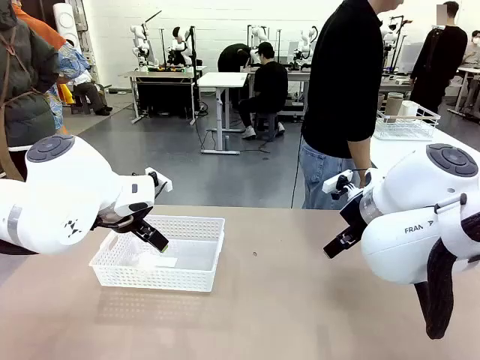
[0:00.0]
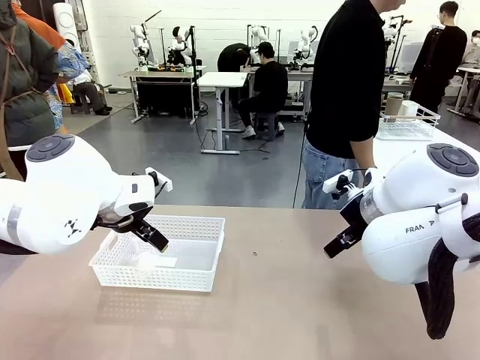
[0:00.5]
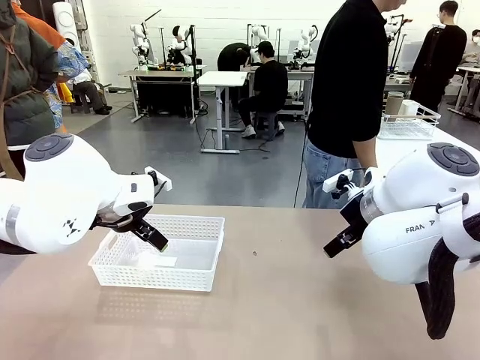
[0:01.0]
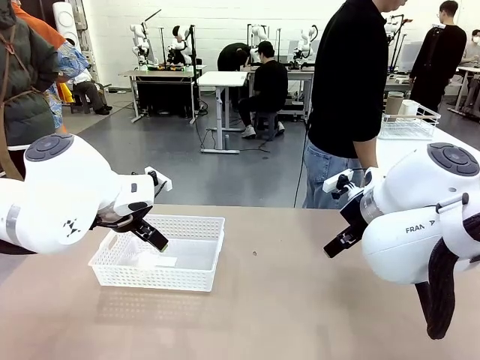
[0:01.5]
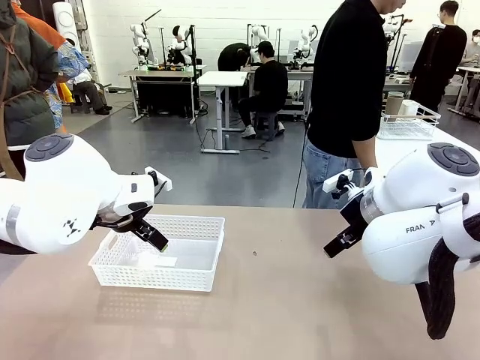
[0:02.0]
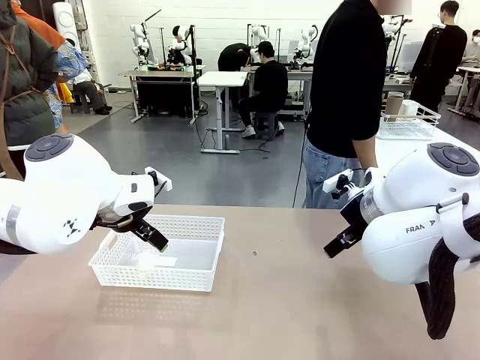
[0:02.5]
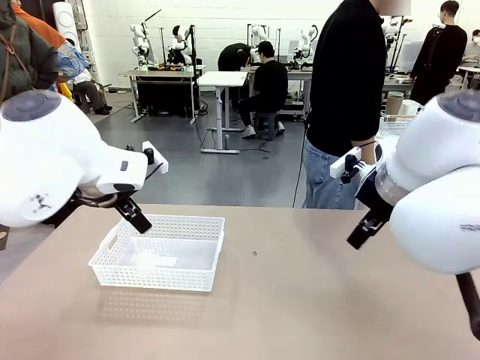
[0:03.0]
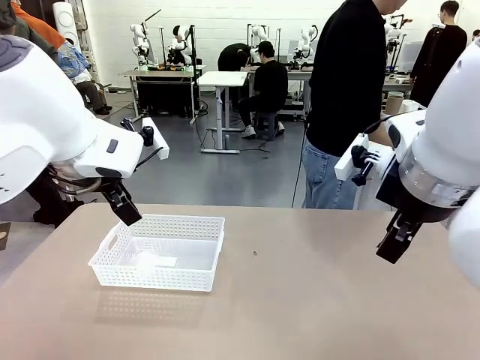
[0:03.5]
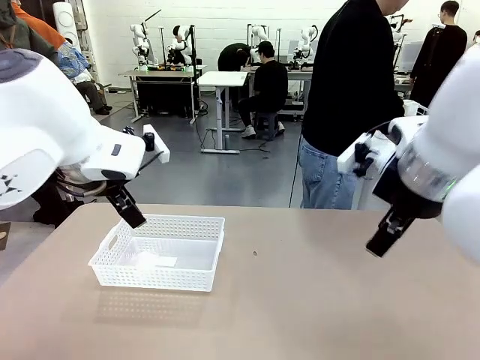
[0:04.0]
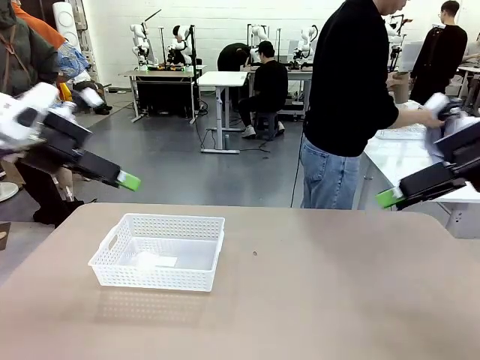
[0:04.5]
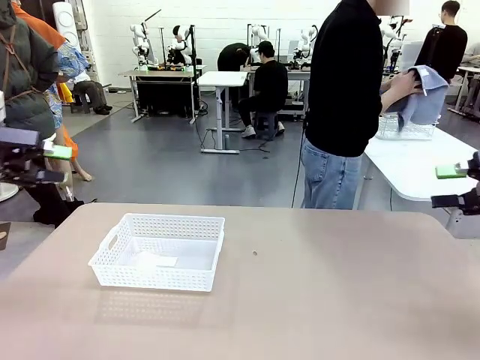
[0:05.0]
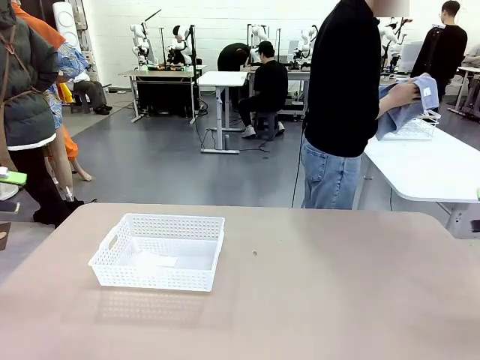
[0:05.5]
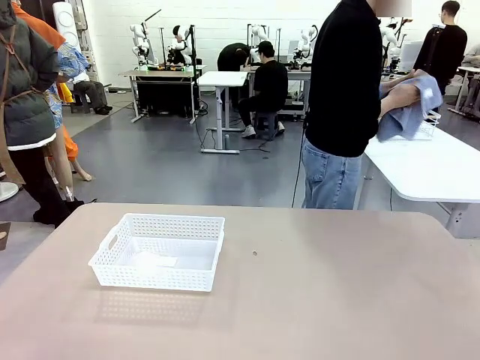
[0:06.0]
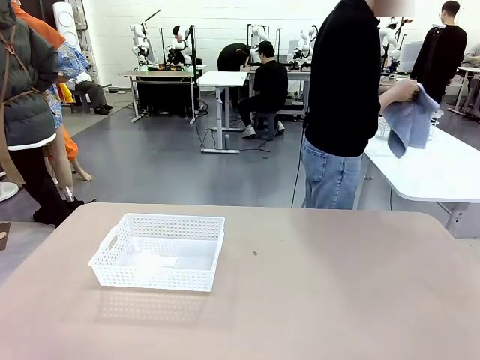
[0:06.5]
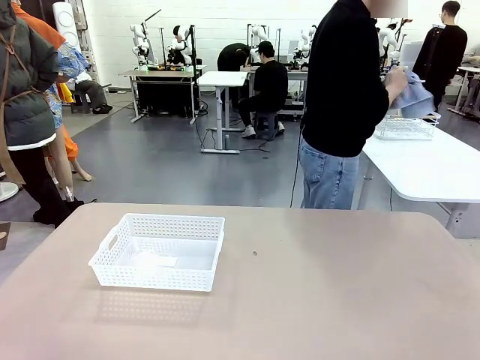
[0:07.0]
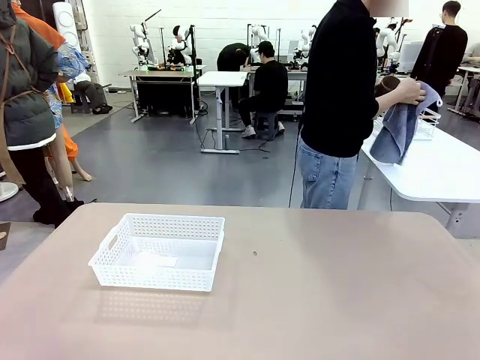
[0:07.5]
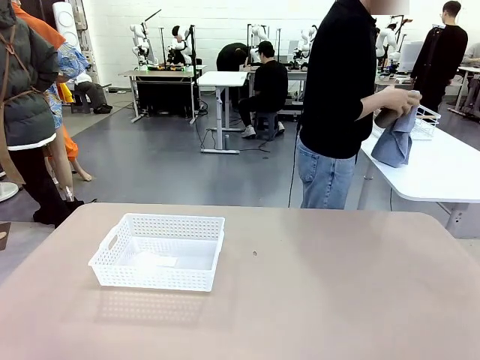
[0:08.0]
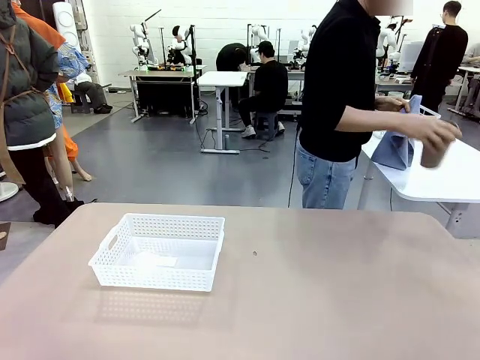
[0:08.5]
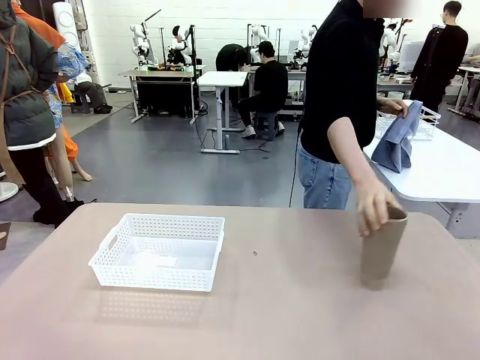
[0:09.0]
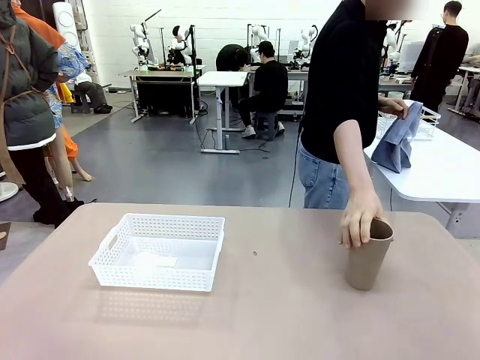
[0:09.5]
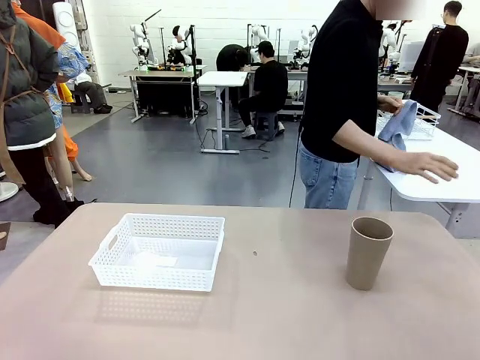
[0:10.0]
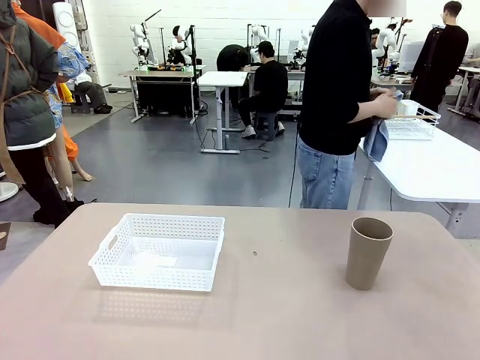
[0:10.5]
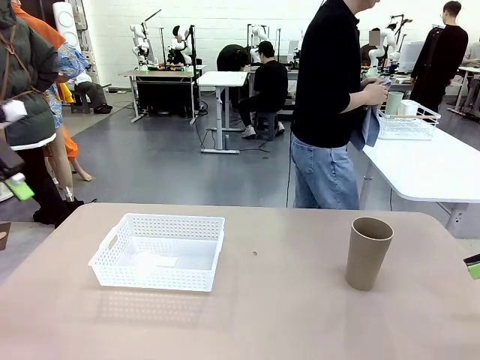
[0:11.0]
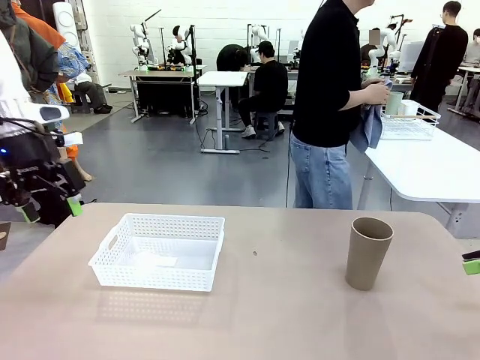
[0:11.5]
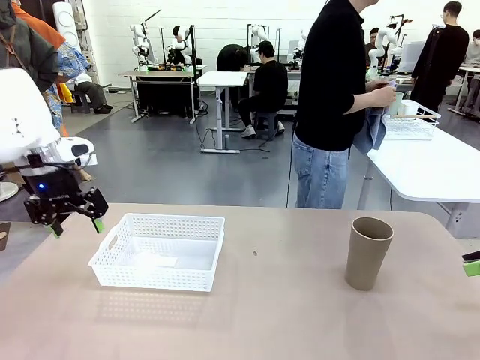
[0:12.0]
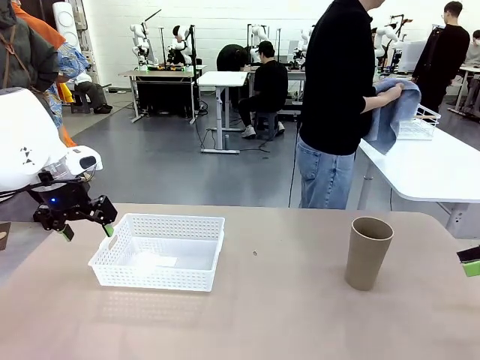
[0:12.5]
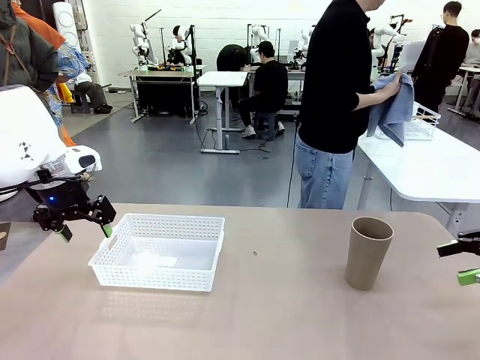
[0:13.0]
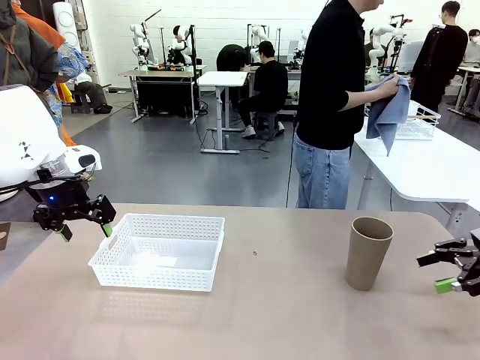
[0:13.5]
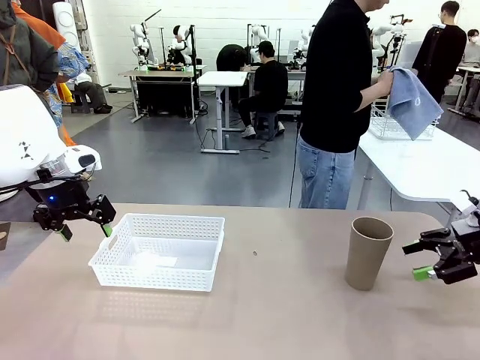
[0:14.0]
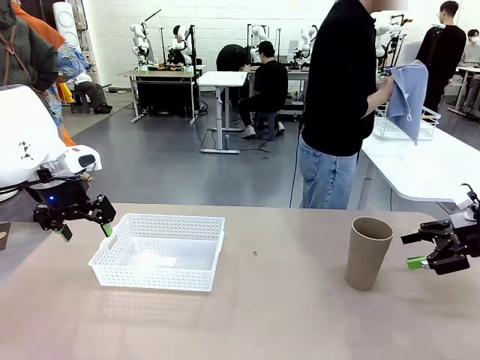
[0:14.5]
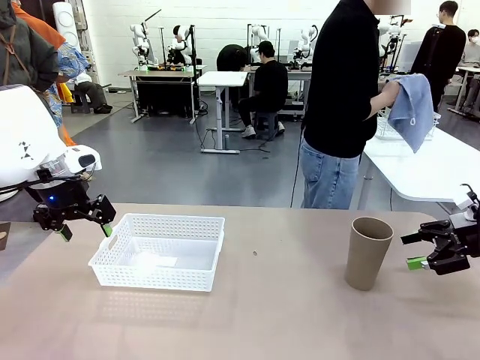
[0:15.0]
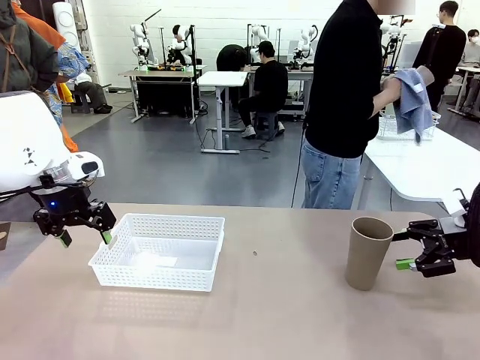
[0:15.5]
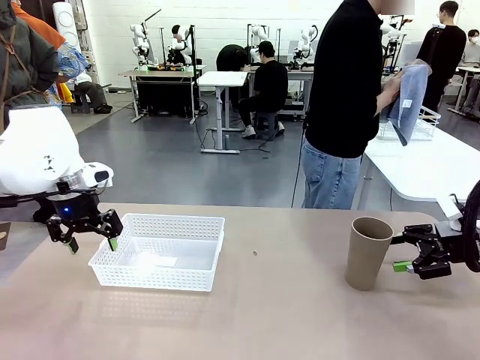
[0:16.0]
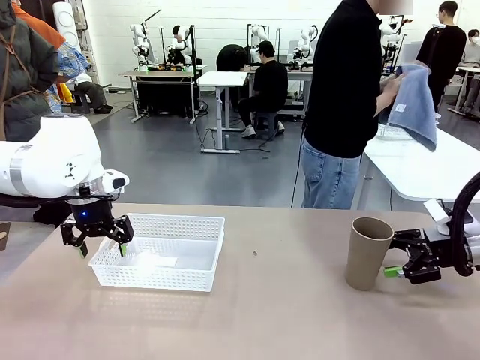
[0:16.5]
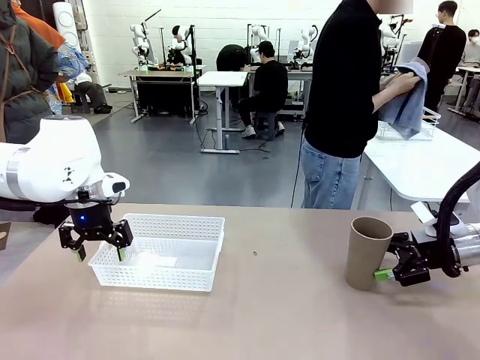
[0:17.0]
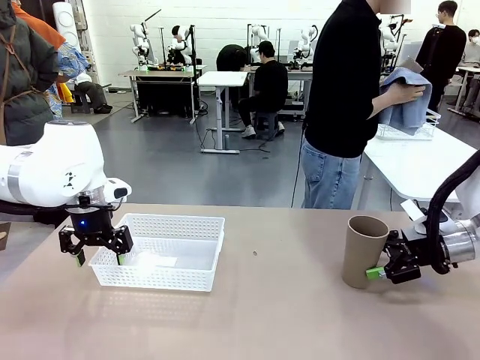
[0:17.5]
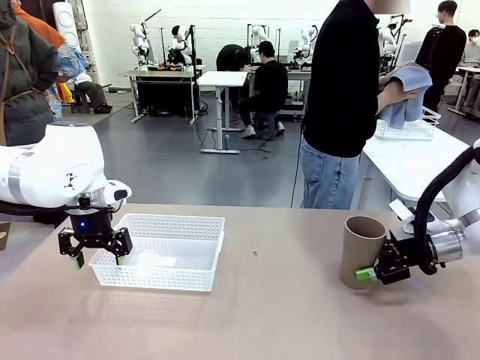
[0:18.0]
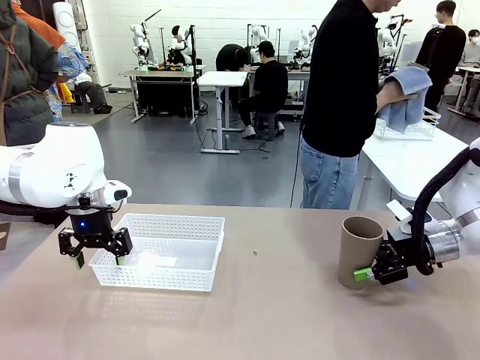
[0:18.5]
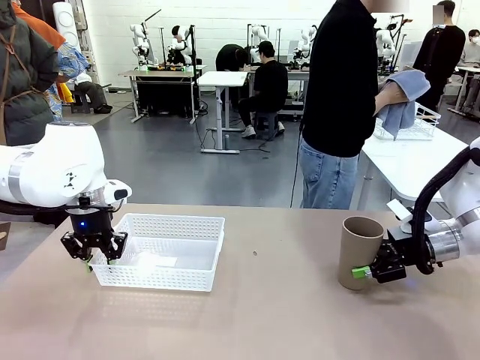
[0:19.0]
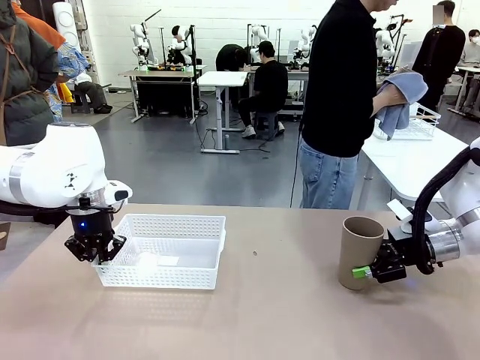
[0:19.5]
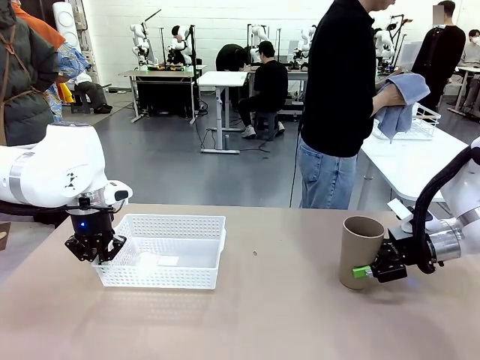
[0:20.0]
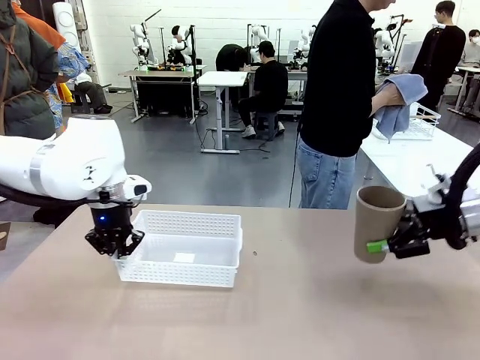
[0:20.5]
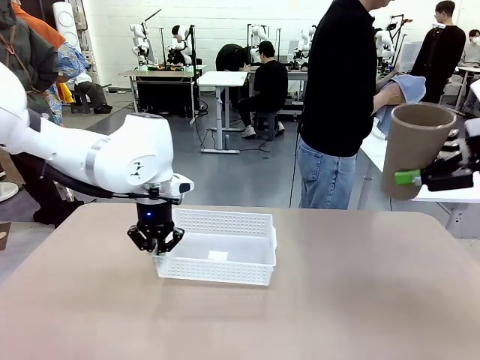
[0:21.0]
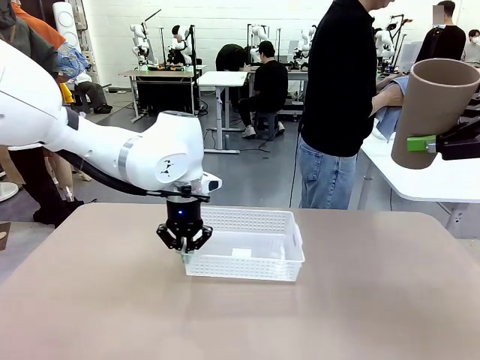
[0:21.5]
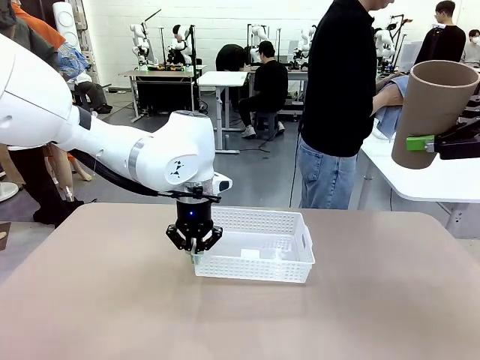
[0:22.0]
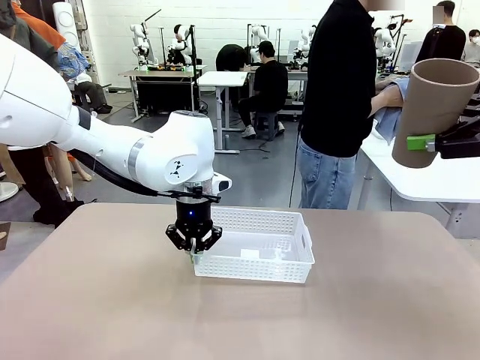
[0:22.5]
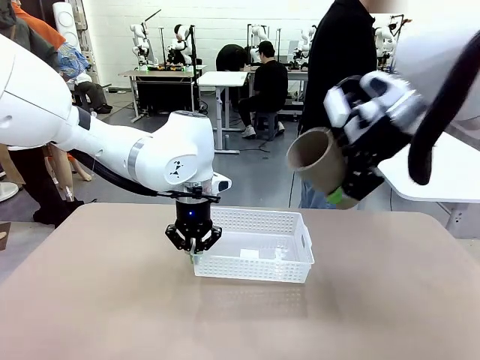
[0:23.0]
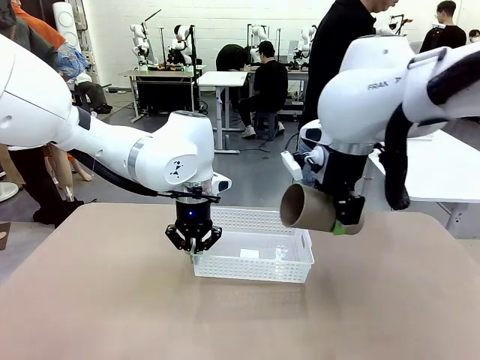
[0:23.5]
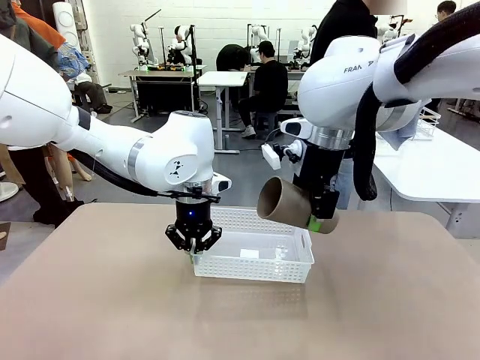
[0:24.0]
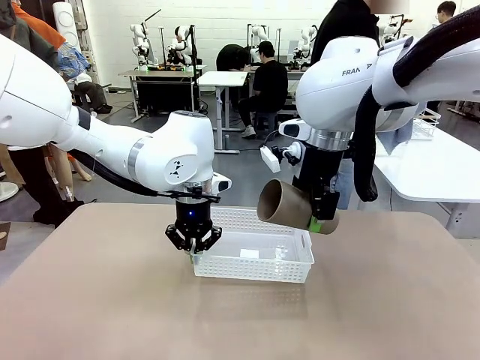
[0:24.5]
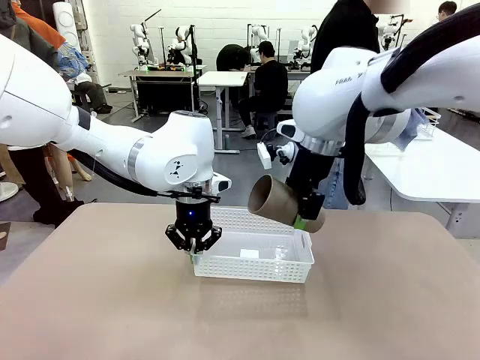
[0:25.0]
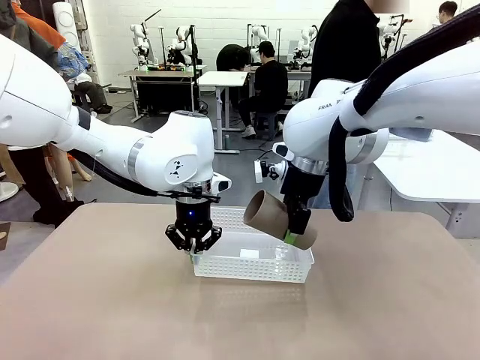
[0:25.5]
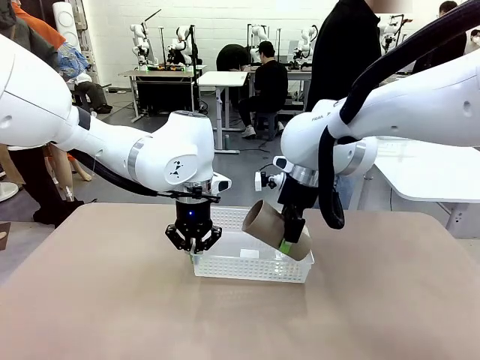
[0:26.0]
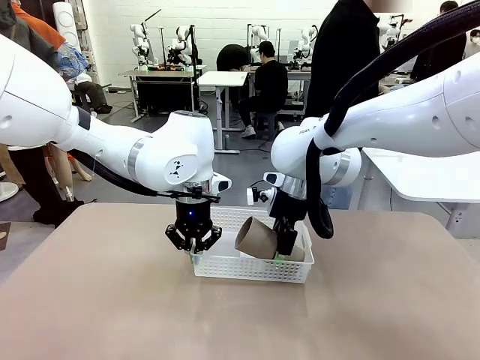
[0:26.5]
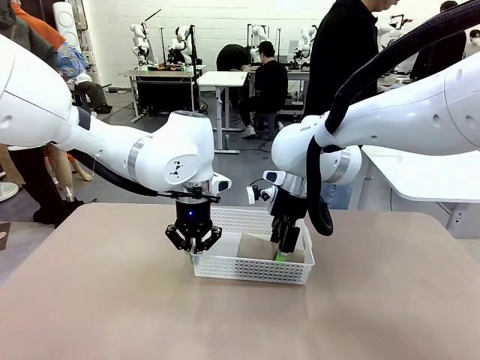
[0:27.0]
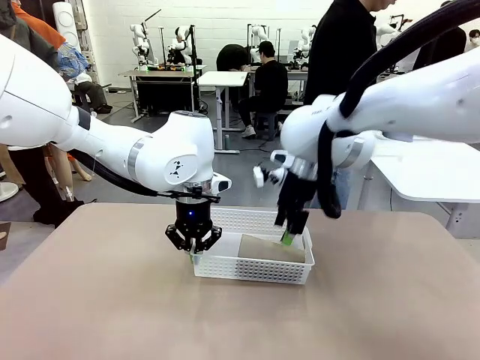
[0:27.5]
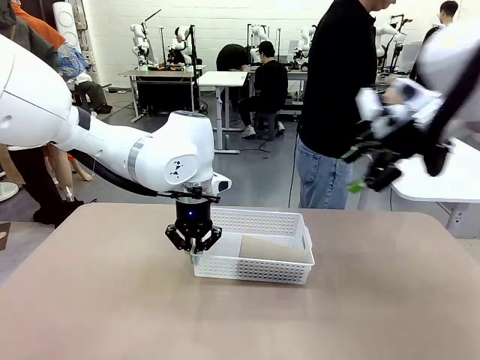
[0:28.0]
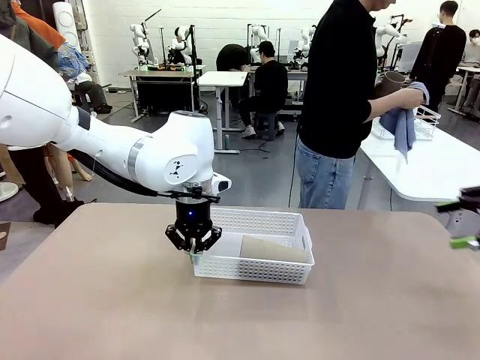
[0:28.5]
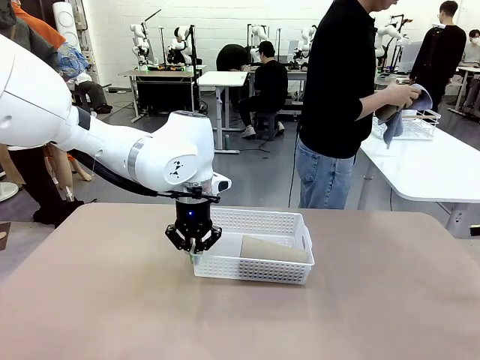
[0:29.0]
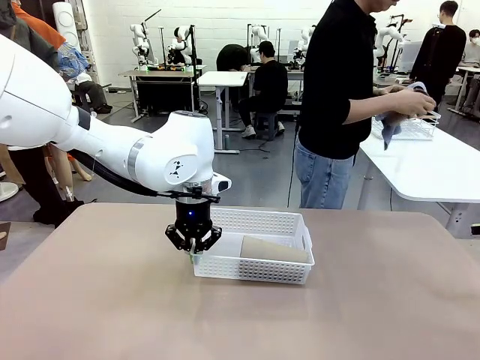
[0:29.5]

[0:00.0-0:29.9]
Task: Clean and organize the cups into the basket.
Robot: Pick up the Organizing basket and move it to the center of the table, then pick up the Reusable plastic cup from the right side of the table and place it inside the Organizing basket.
Person: Picks up a cup and a towel, cleans the cup with the towel, and places it on the left side of the robot table.
